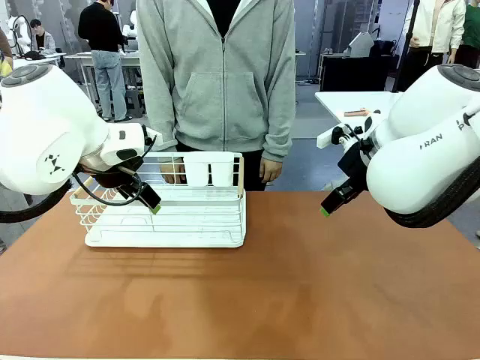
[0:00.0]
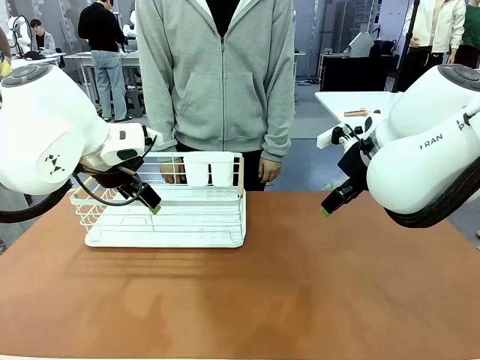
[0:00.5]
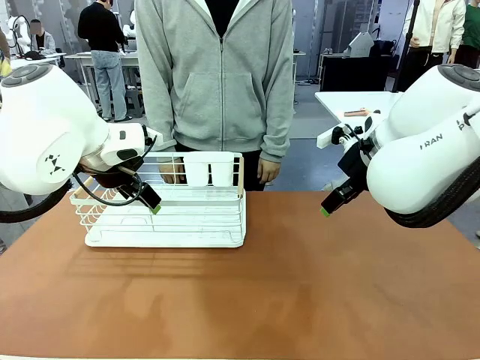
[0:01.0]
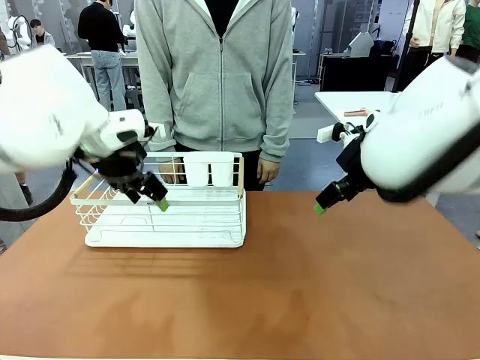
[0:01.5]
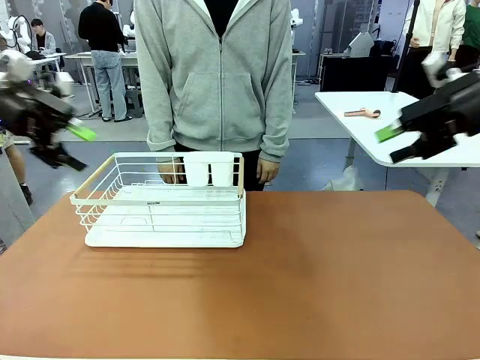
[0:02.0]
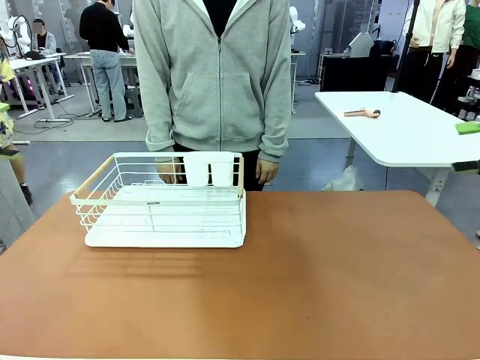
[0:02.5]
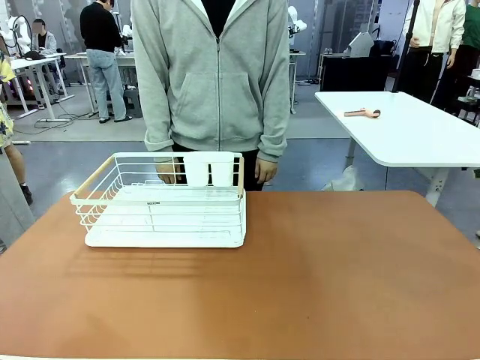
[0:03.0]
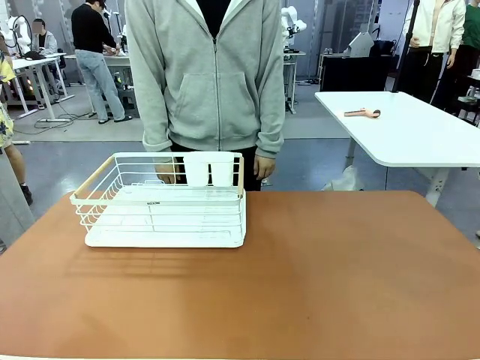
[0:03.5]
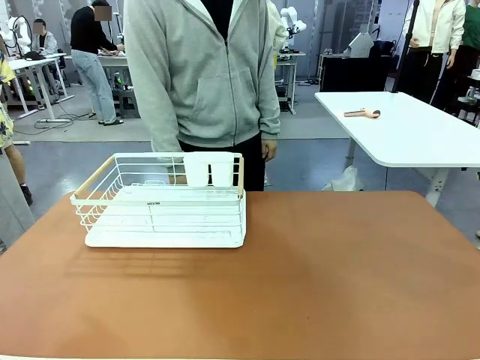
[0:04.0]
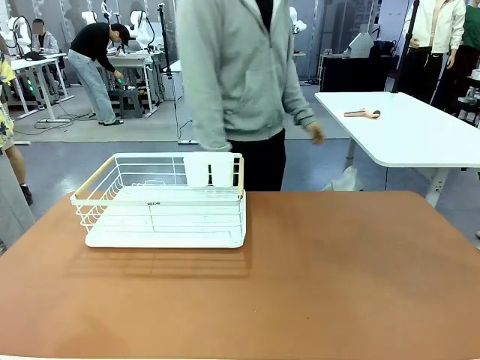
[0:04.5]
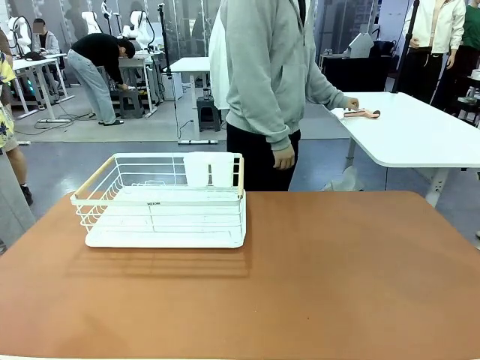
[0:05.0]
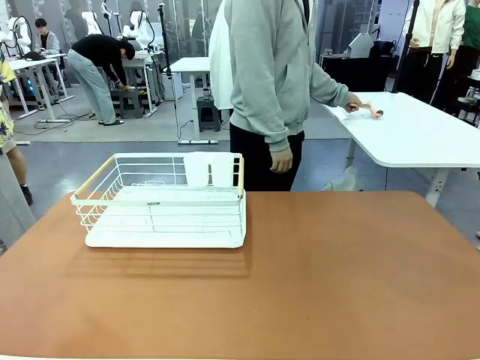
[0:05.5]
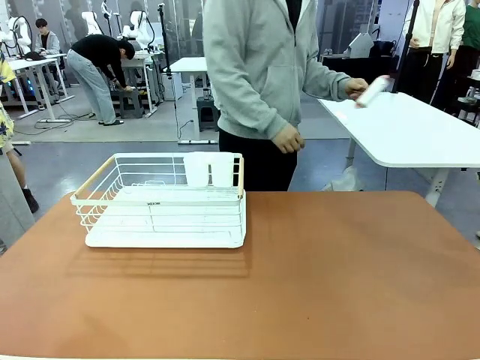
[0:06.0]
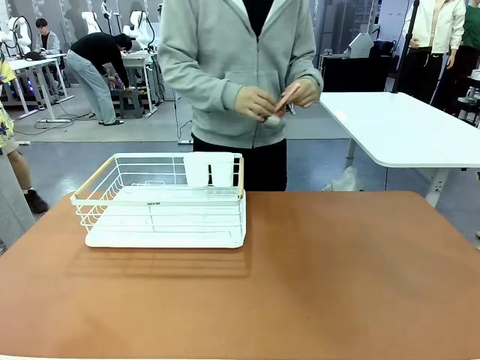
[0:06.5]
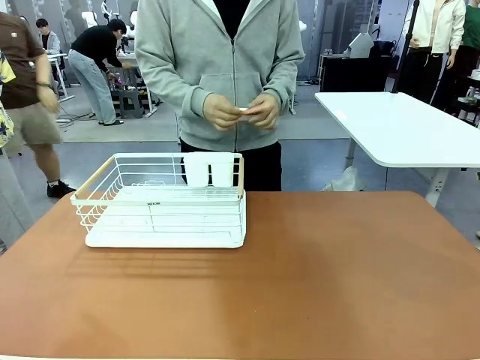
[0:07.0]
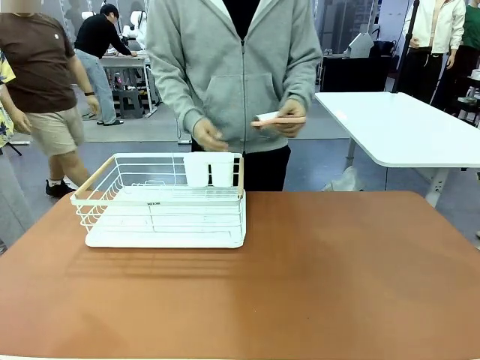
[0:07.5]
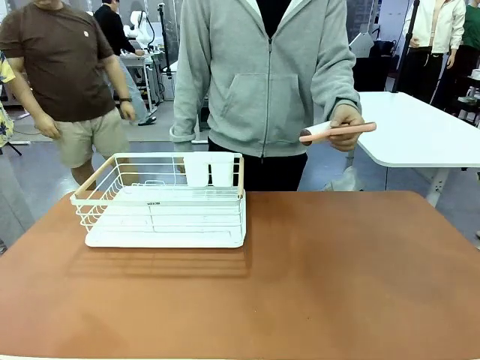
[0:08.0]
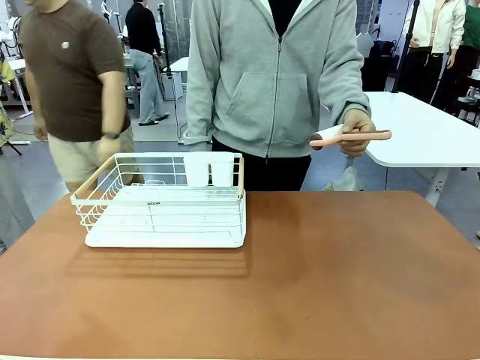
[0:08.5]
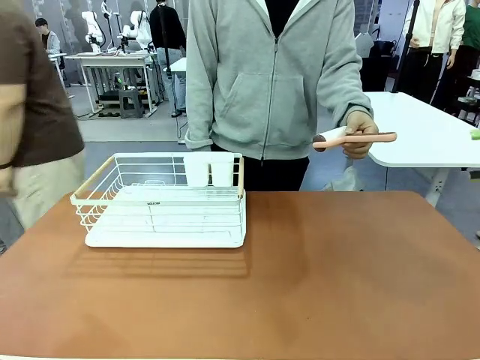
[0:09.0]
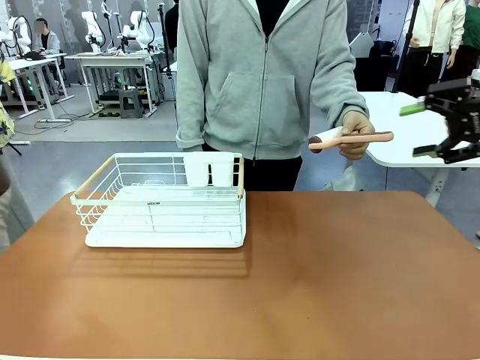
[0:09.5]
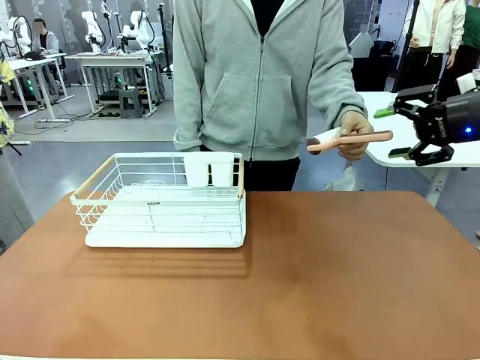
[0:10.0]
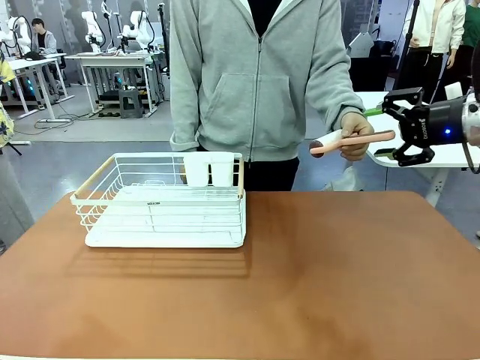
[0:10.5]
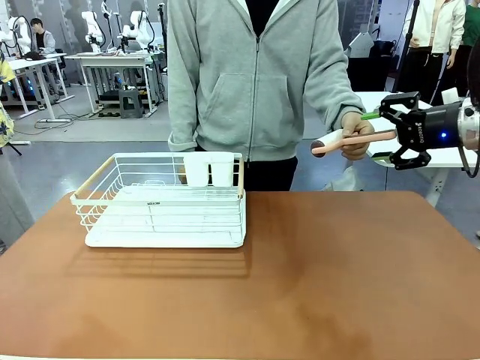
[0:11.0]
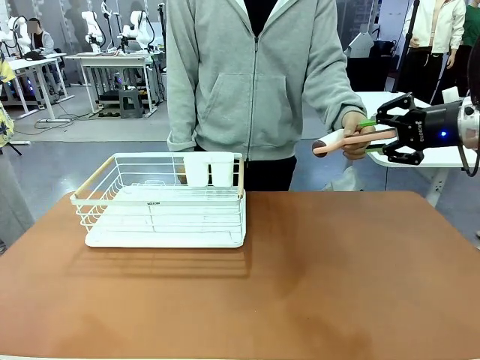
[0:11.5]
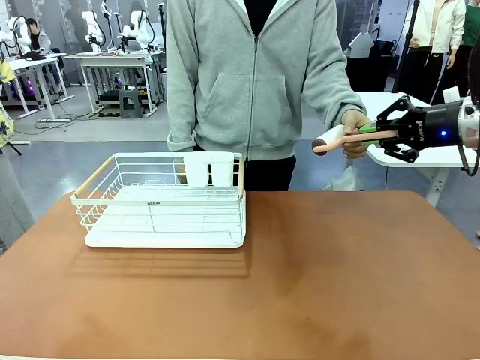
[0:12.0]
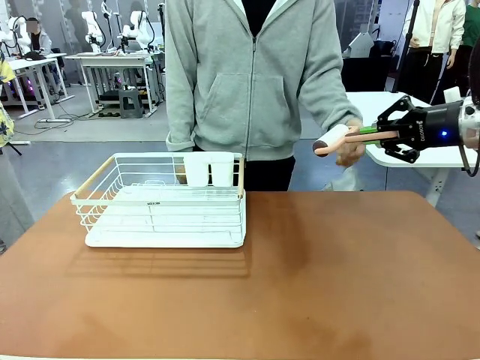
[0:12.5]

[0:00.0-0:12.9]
Task: Clean the table.
Robot: Pick up the Lint Roller when the human hands it over.
Person: Hand the Lint Roller to the robot so it can easily pick it up. Lift the Dish drying rack.

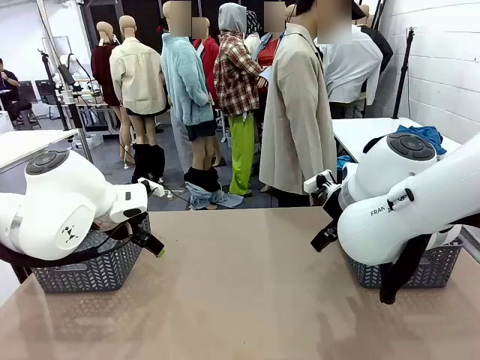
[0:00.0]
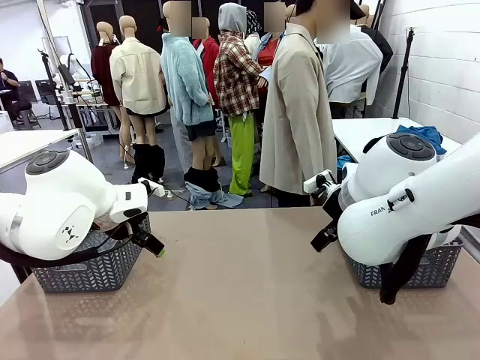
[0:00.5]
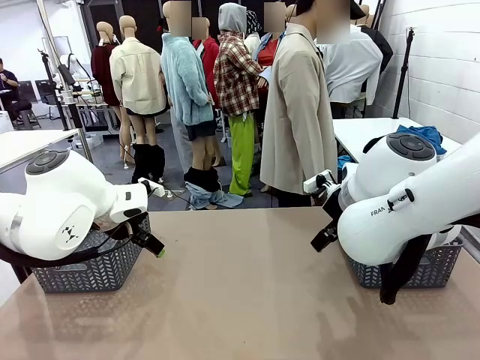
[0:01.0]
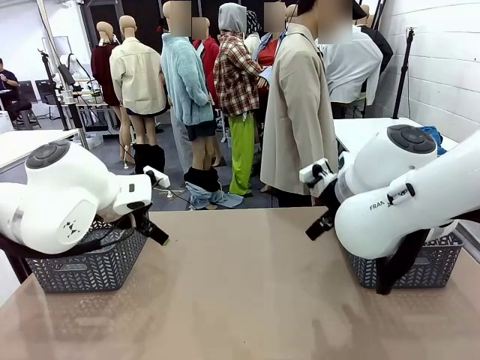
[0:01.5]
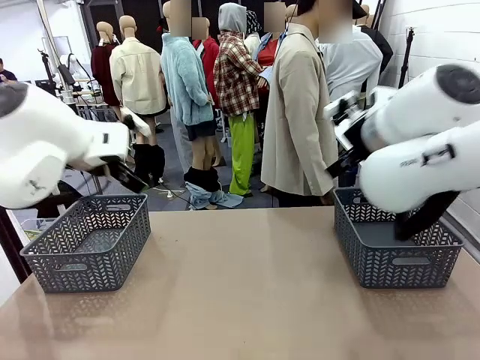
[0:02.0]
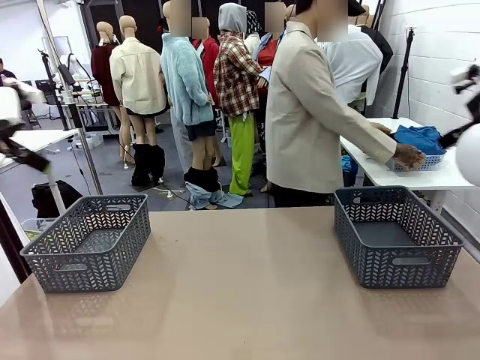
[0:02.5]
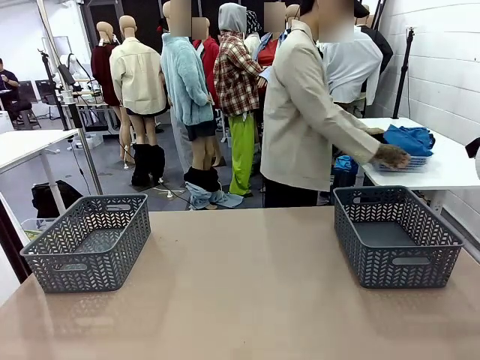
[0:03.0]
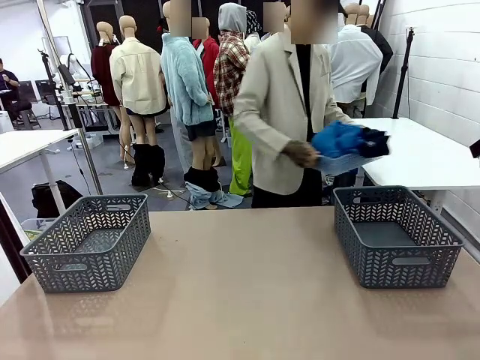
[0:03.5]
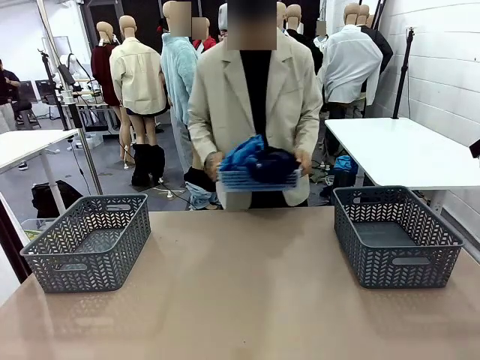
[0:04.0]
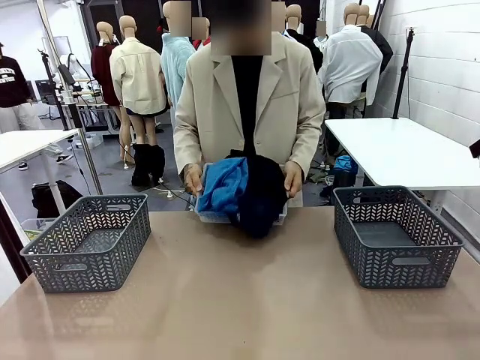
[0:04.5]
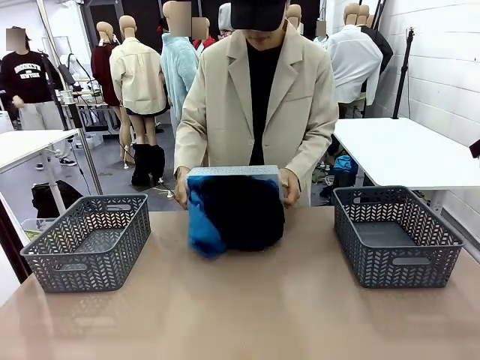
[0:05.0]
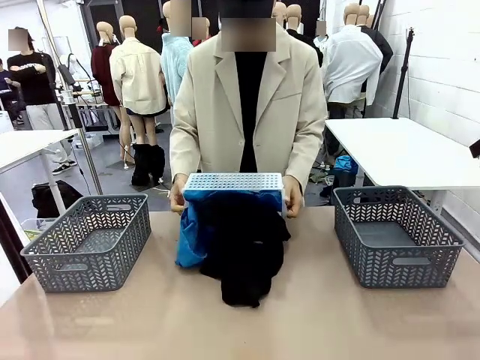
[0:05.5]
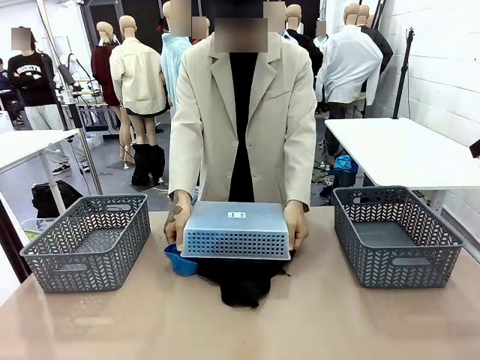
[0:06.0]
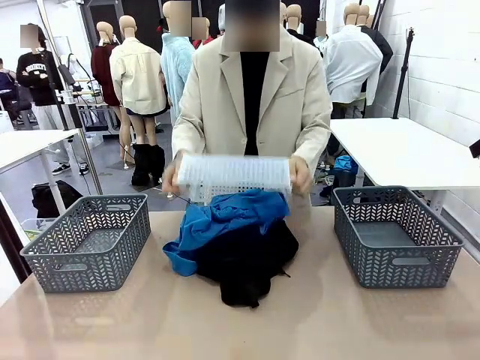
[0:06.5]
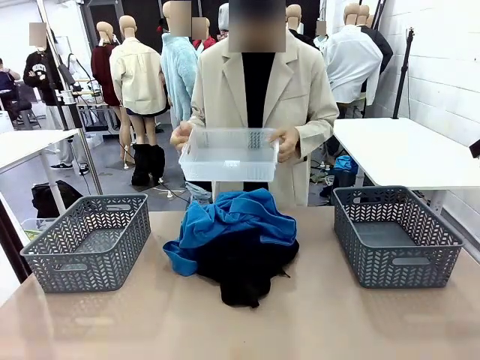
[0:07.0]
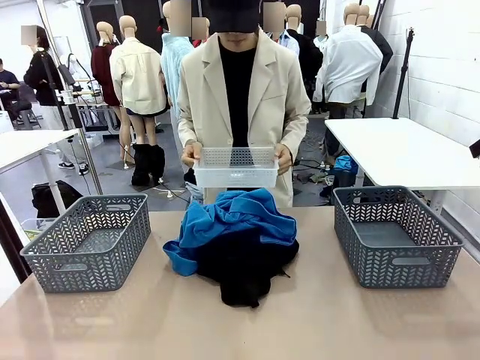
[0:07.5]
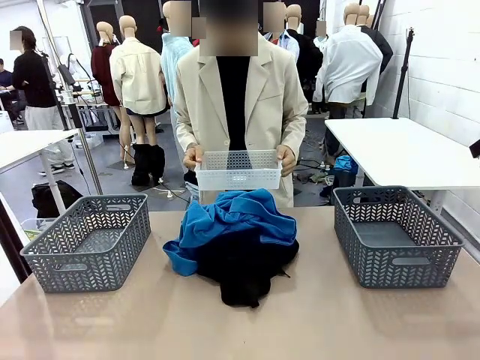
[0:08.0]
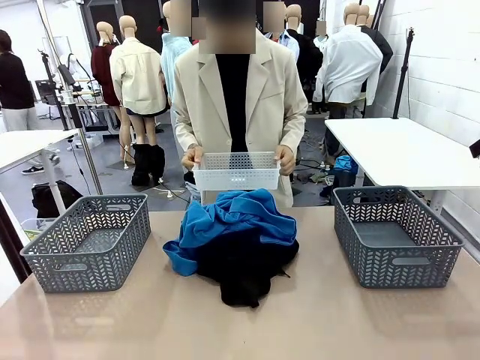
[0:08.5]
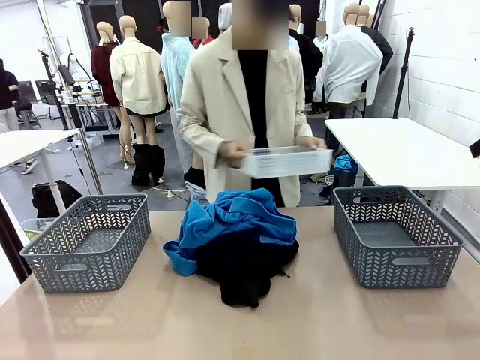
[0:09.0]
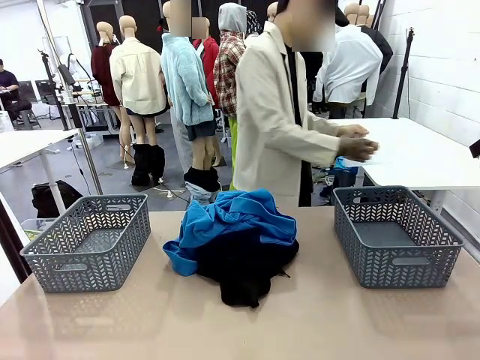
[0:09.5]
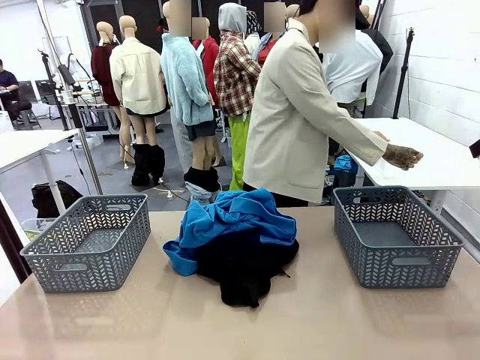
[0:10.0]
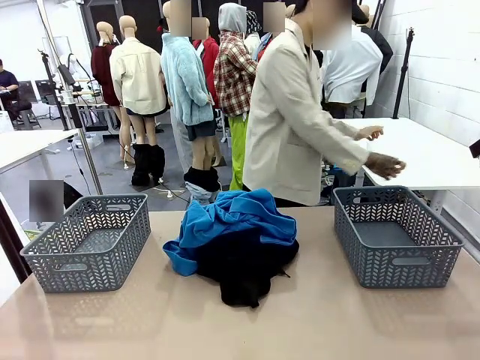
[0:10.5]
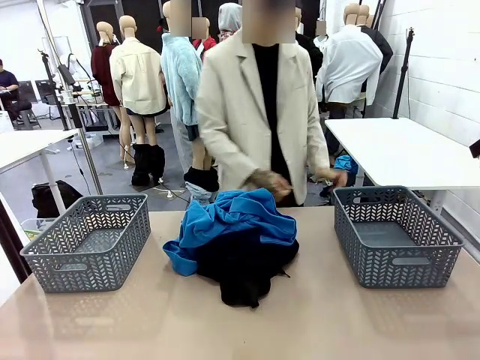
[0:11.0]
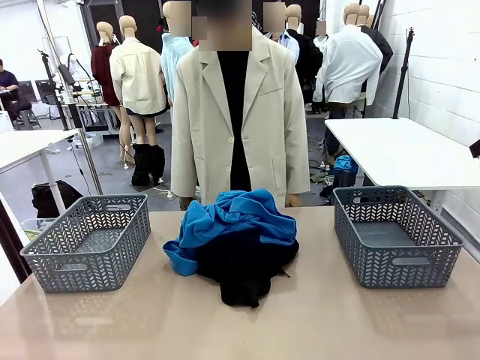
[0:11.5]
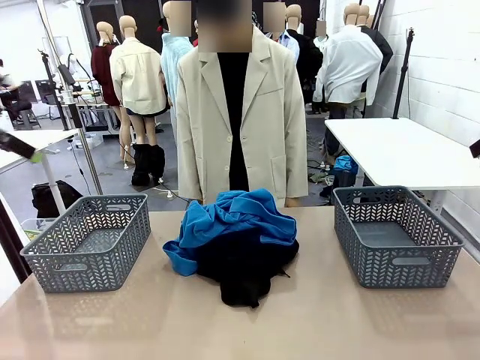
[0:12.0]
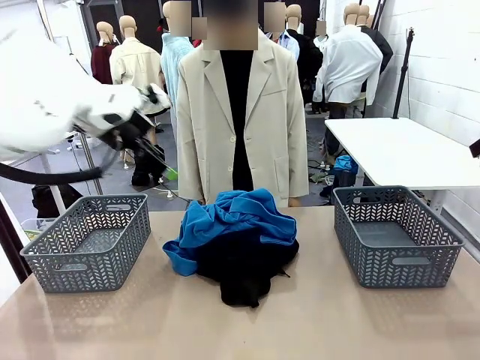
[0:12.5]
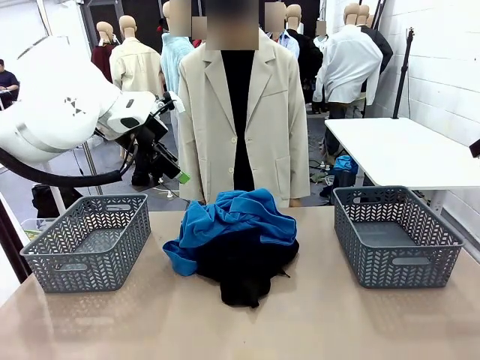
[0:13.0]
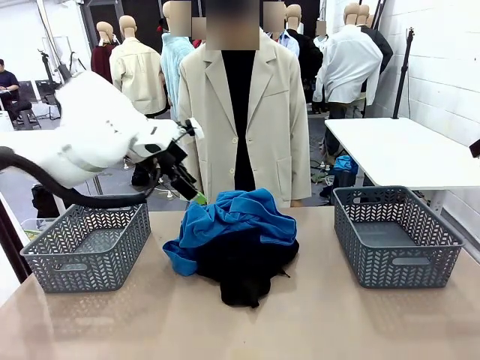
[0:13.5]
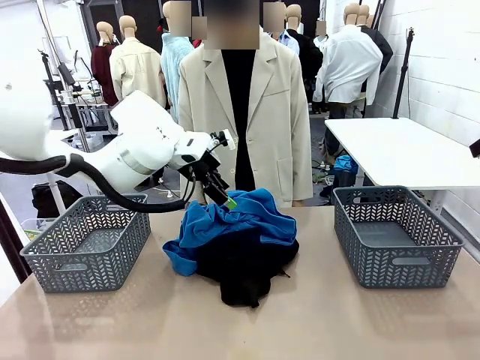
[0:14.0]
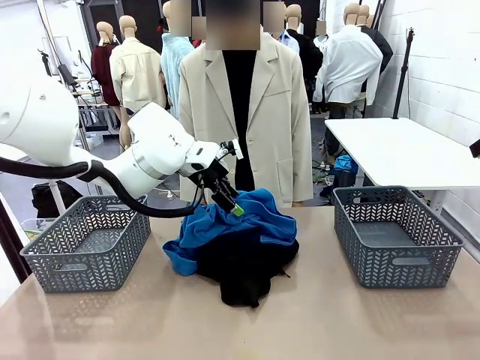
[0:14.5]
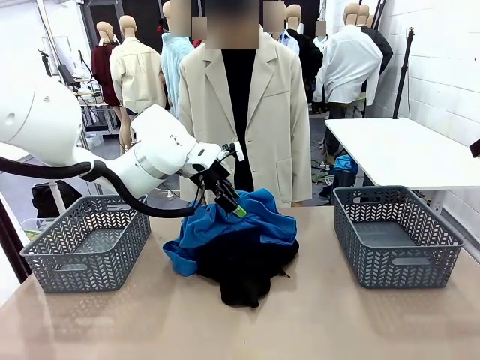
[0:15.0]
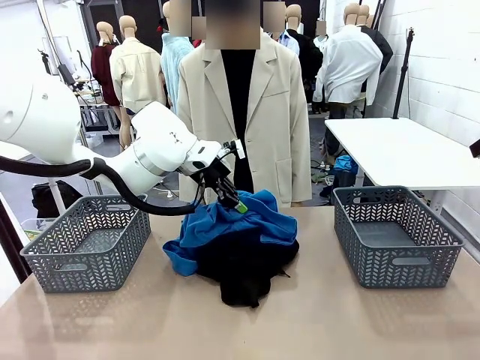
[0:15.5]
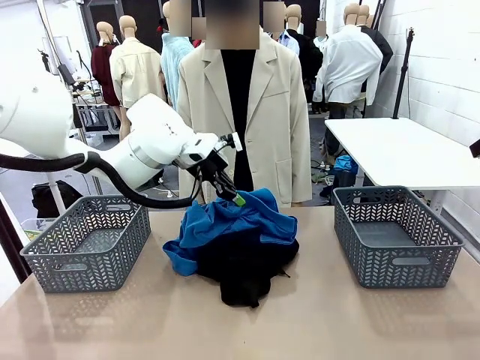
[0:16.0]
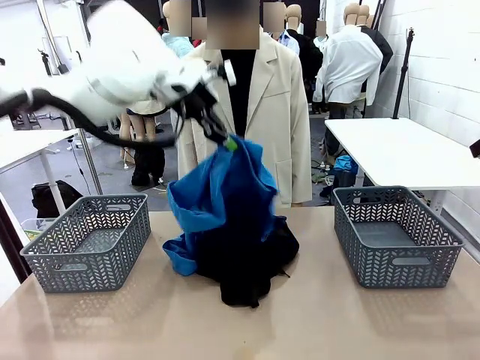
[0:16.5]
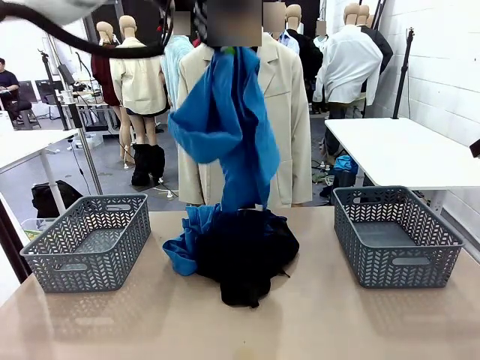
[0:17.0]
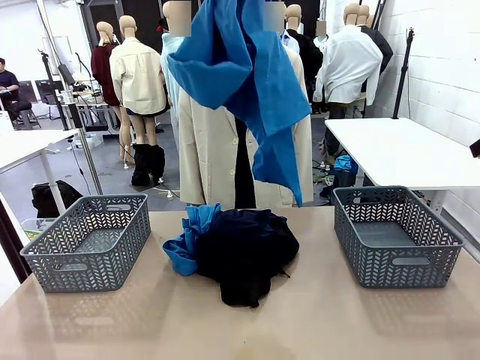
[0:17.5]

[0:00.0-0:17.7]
Task: Sort the tops and bottoms.
Robot: Lift clothes from the center of the table with your left hand.
Person: Pour the clothes from the basket onto the center of the robot table.
